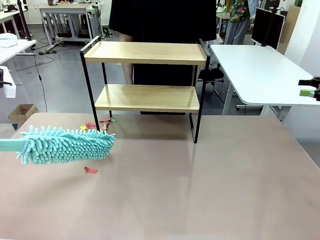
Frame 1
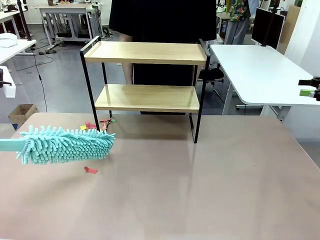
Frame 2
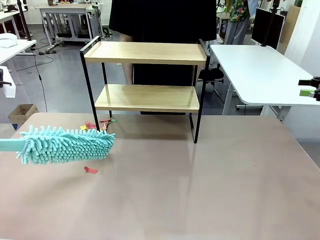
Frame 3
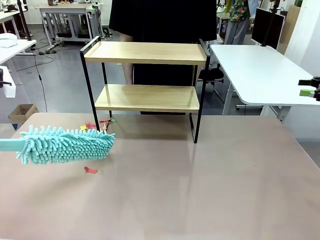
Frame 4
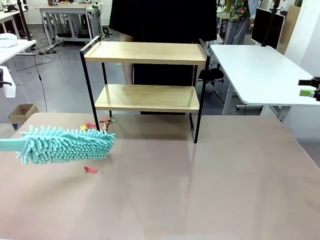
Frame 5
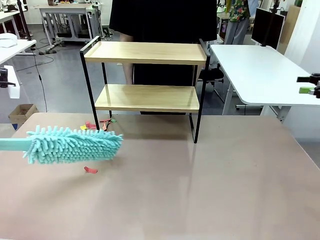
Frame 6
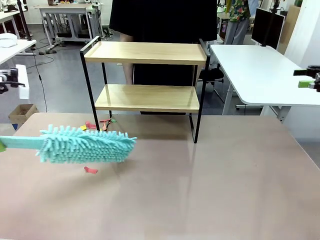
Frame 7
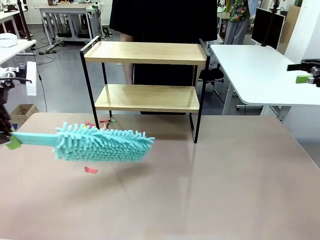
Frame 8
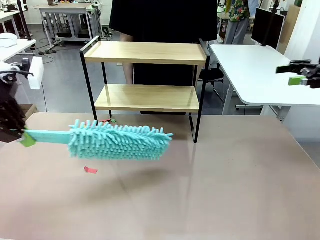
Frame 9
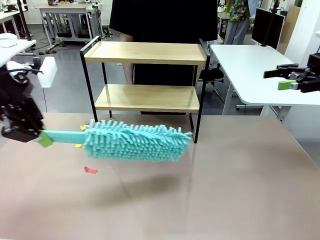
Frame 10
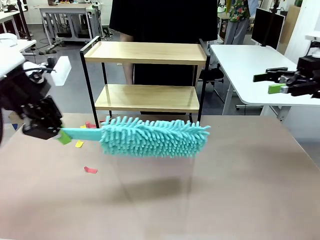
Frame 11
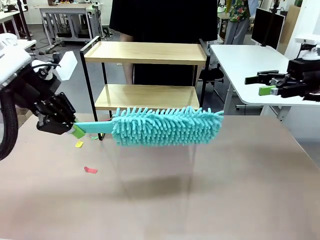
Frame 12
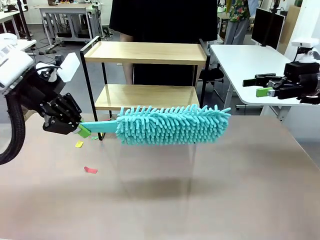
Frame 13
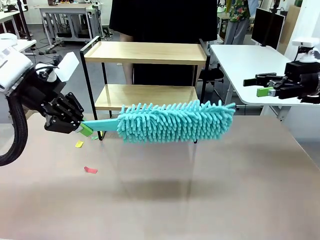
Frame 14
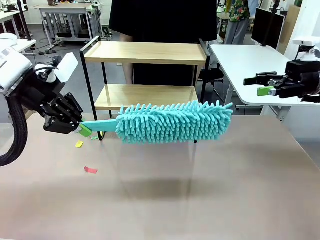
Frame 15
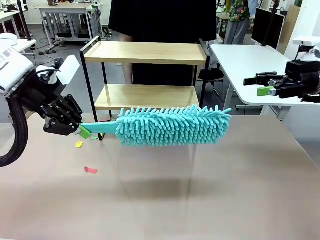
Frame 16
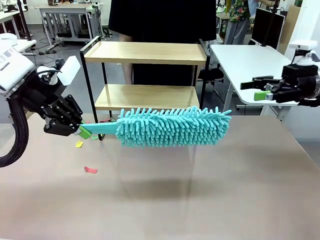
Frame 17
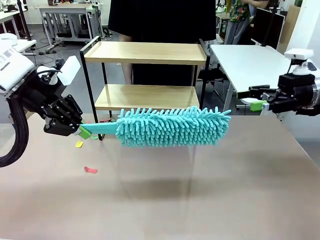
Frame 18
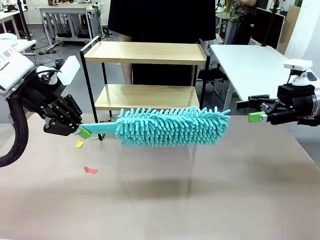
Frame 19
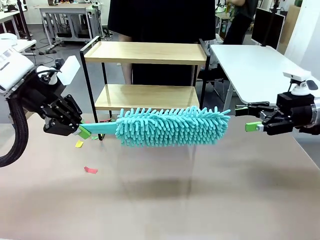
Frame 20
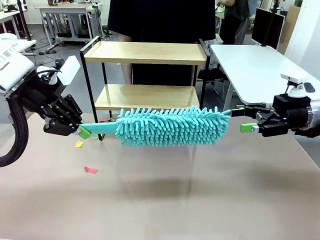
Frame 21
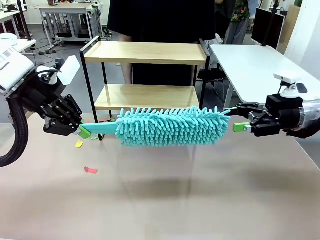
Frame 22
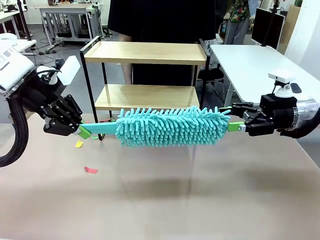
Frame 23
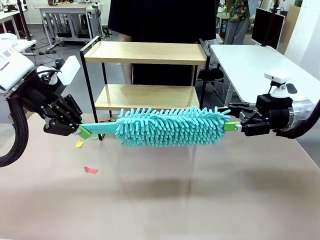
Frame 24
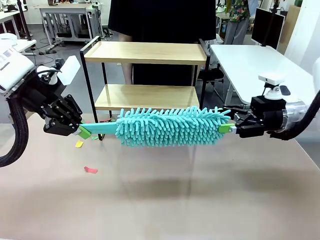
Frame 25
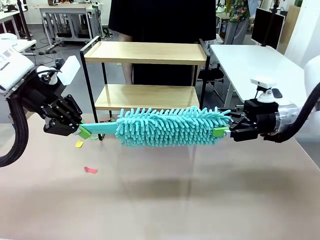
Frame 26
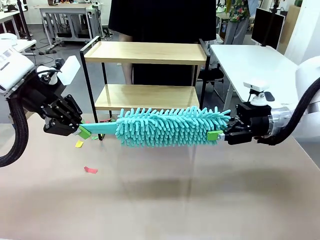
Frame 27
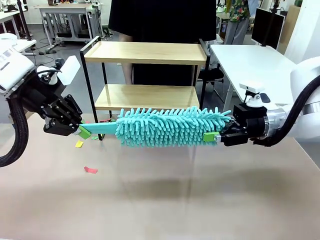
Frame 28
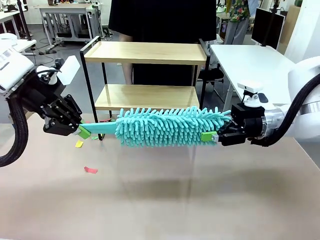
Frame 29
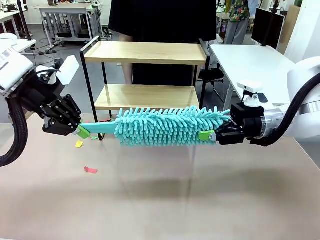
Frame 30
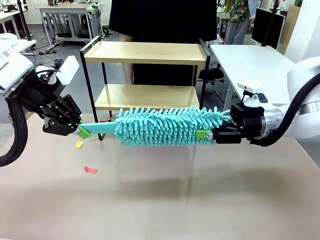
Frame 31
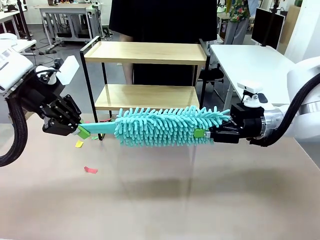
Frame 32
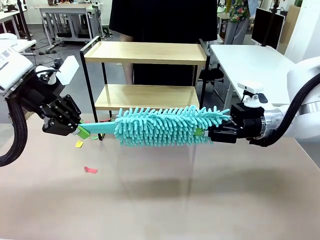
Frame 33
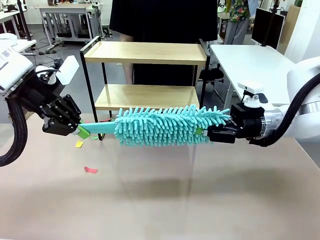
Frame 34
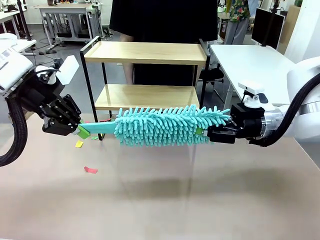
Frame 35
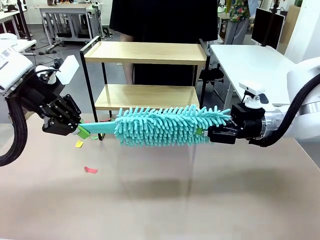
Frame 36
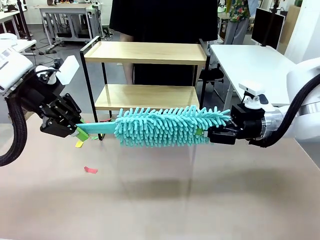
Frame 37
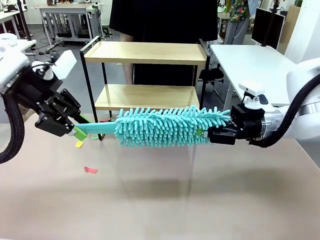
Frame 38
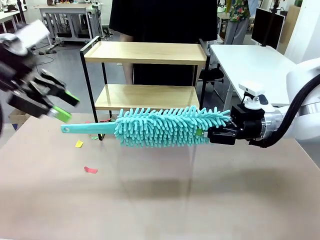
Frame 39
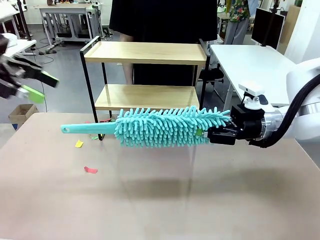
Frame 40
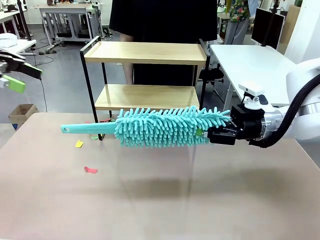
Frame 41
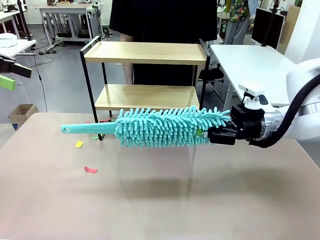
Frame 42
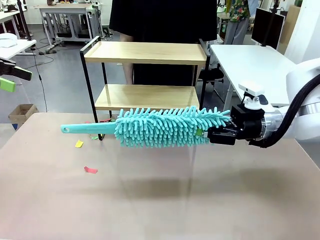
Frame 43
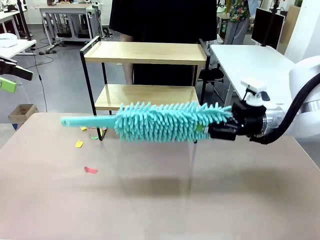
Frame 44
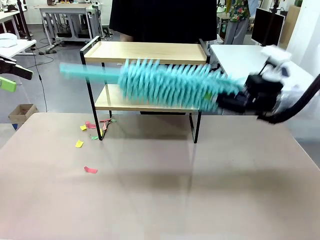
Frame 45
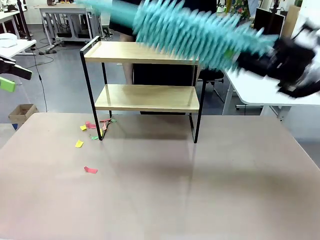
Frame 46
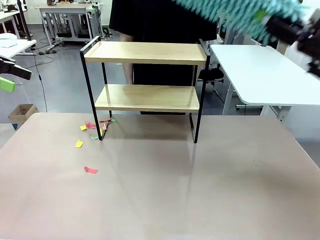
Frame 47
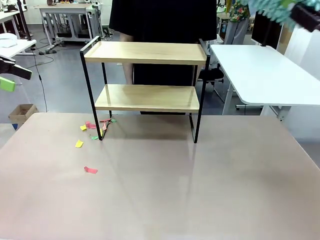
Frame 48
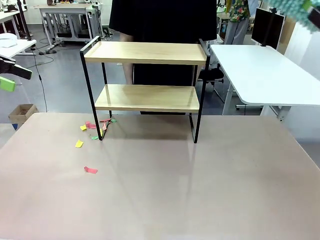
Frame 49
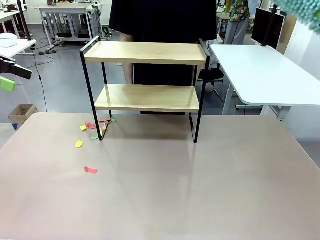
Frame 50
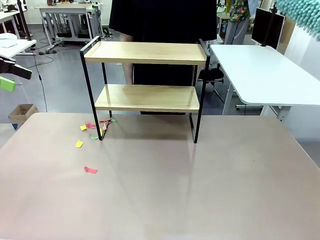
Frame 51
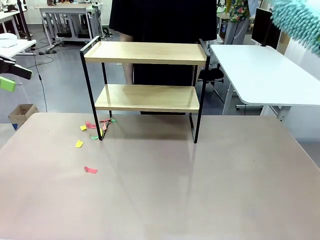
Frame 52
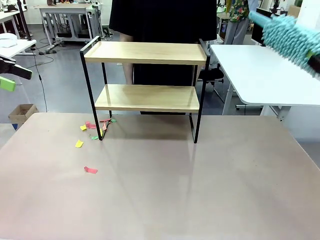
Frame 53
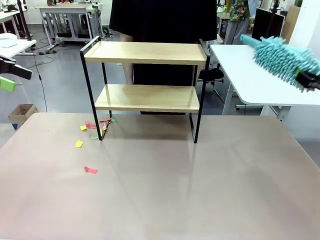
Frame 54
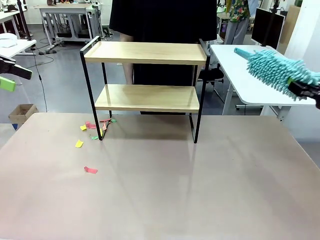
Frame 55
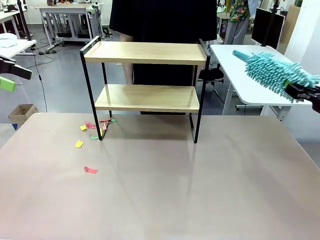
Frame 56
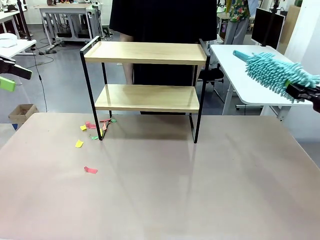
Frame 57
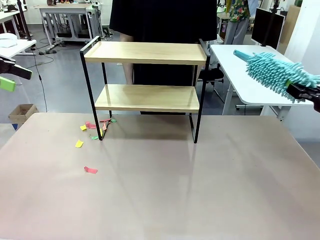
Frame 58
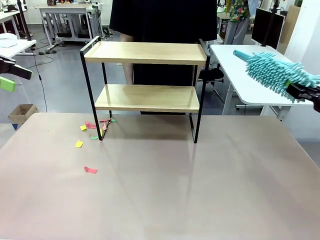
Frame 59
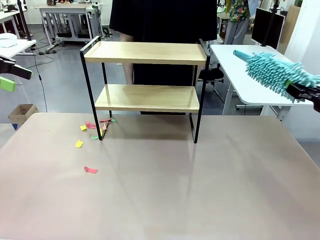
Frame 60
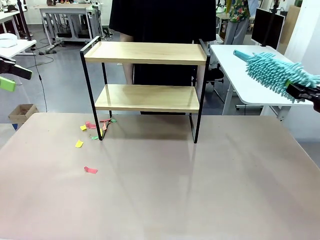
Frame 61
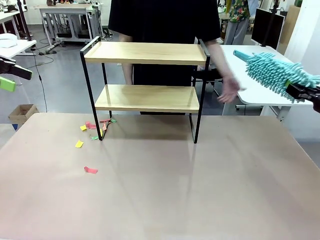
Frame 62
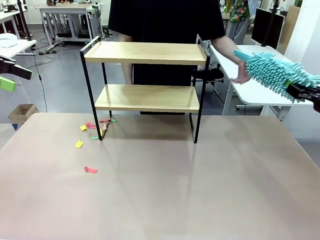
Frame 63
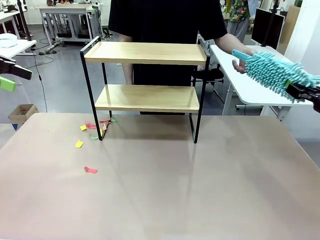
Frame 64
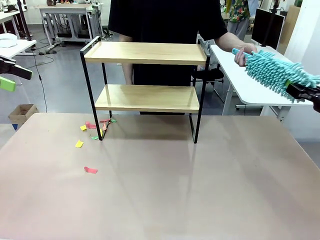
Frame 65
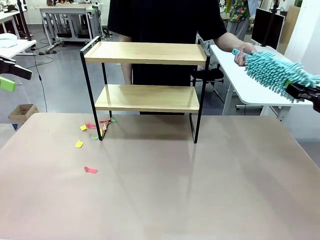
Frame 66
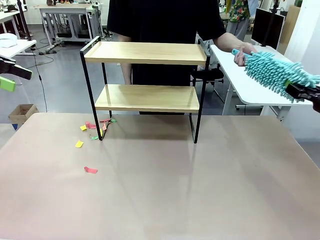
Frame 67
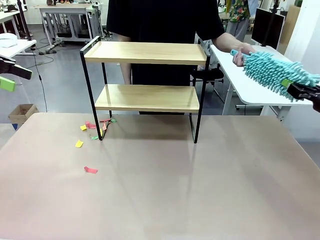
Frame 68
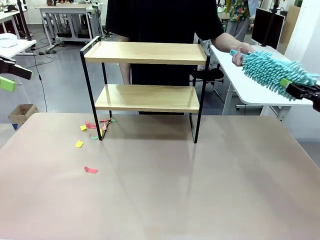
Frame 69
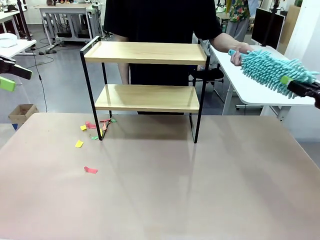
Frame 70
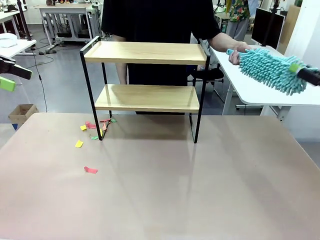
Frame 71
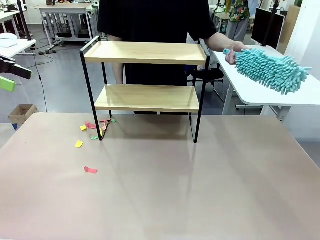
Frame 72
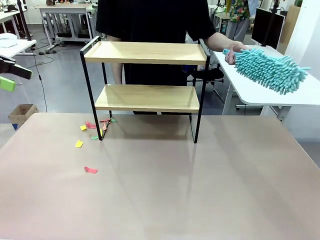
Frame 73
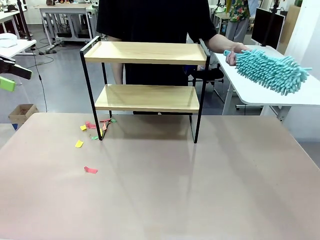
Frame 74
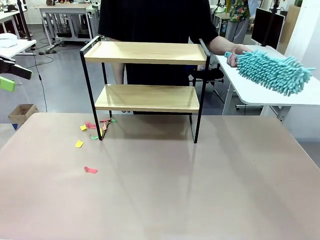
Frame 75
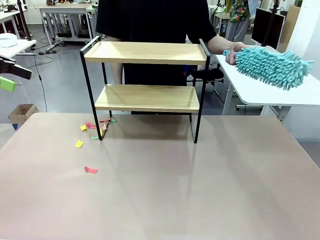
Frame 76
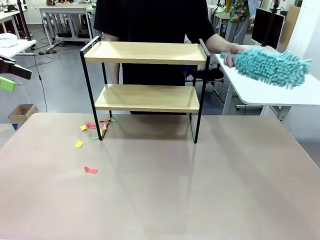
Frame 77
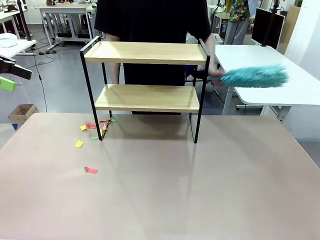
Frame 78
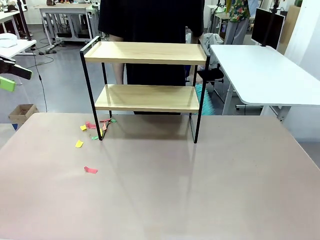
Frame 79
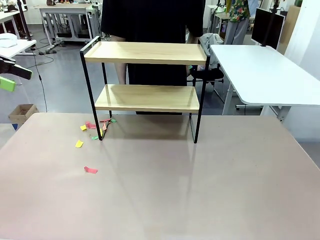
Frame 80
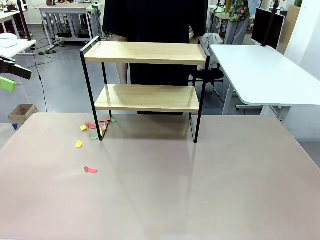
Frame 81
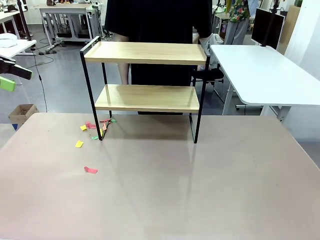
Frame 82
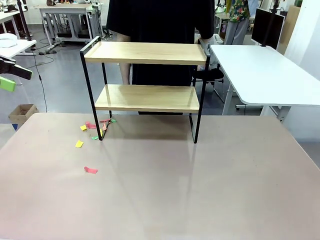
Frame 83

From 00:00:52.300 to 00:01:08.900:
Task: Clean the shelf.
Robot: Hand the Duster back to the human.
Person: Receive the Duster from the robot.

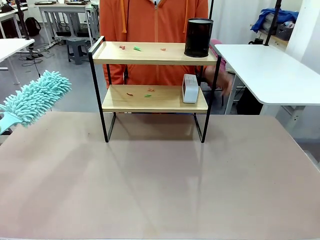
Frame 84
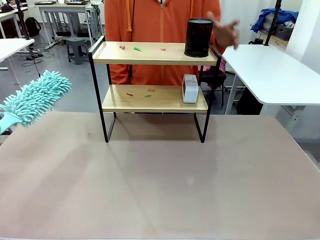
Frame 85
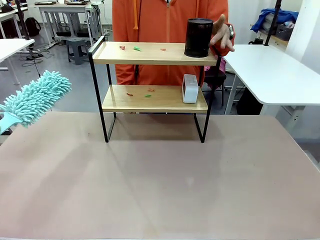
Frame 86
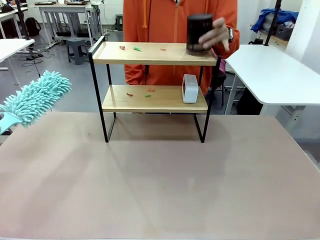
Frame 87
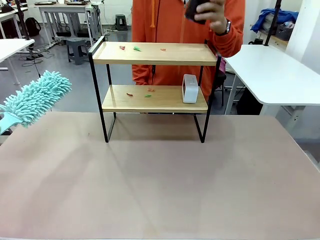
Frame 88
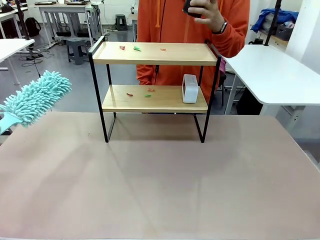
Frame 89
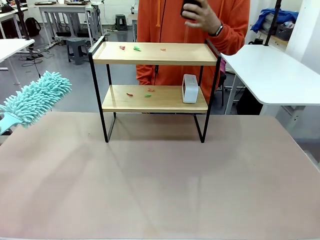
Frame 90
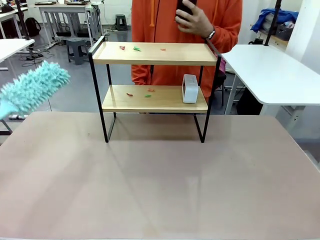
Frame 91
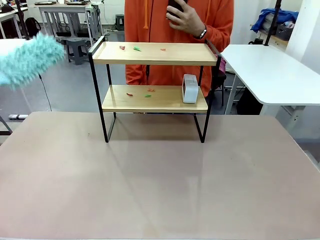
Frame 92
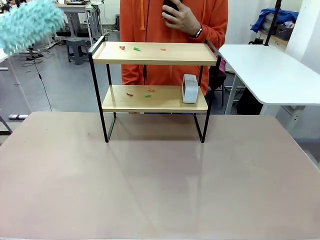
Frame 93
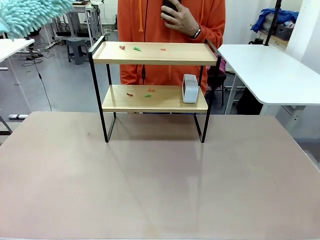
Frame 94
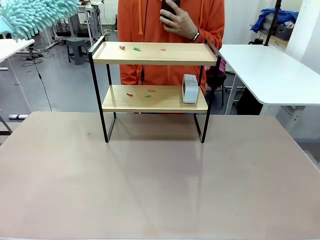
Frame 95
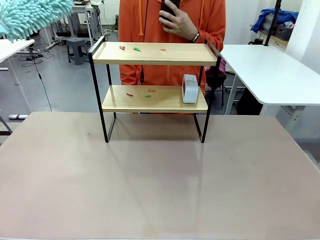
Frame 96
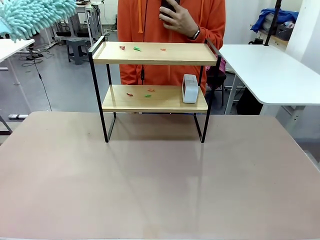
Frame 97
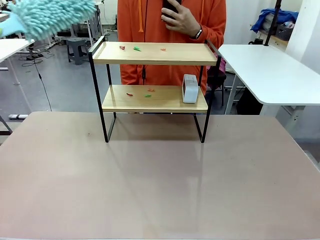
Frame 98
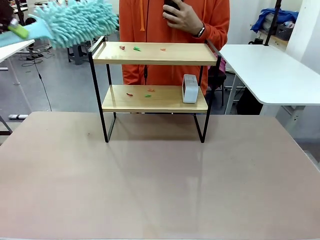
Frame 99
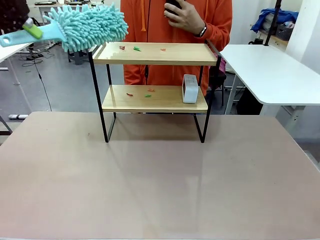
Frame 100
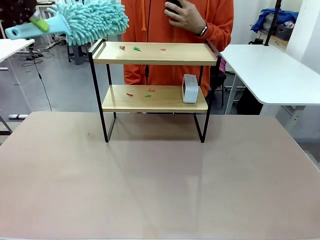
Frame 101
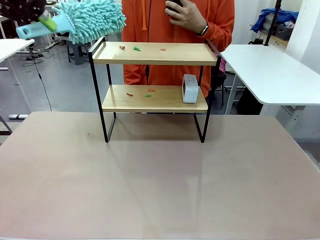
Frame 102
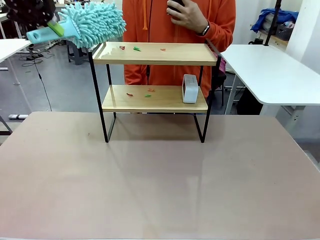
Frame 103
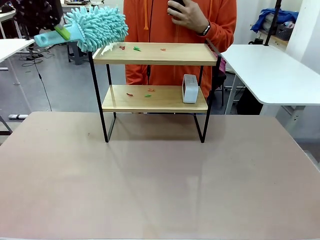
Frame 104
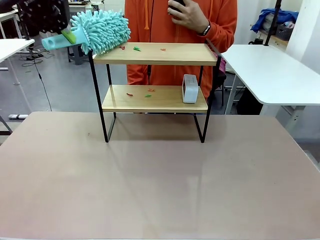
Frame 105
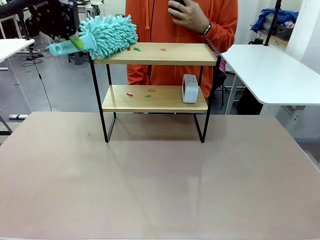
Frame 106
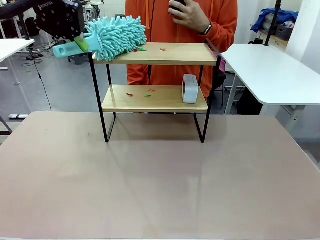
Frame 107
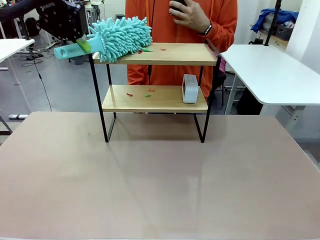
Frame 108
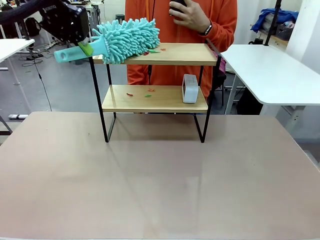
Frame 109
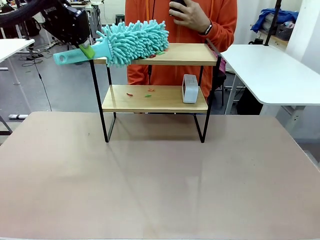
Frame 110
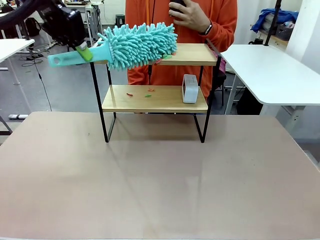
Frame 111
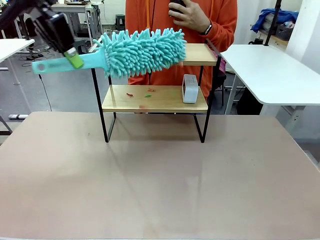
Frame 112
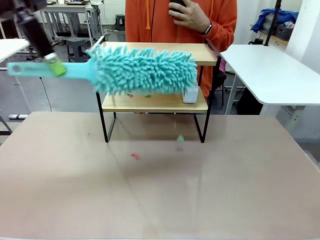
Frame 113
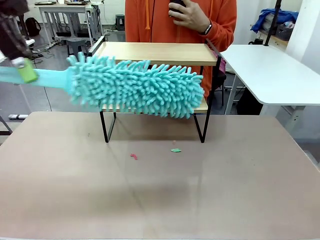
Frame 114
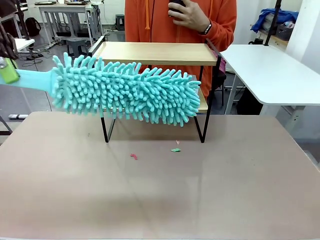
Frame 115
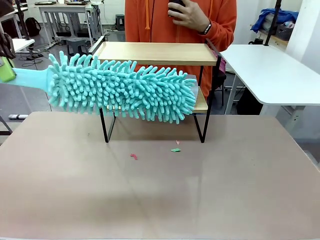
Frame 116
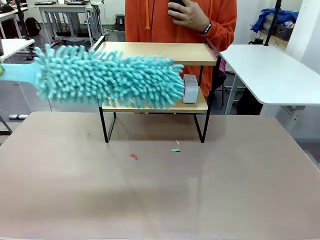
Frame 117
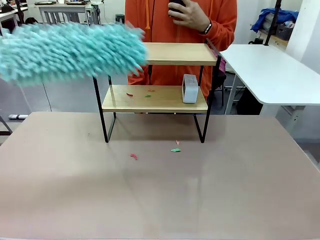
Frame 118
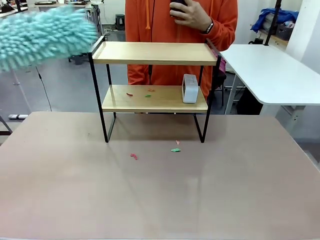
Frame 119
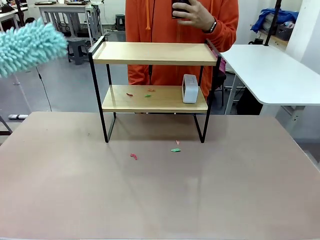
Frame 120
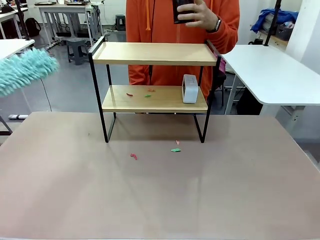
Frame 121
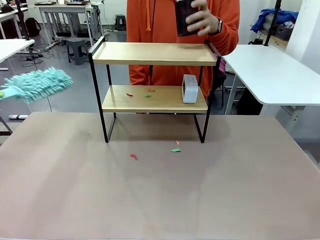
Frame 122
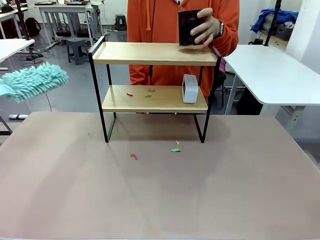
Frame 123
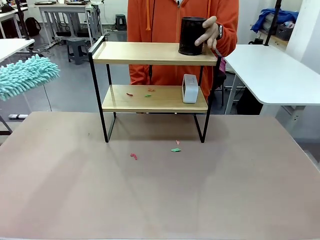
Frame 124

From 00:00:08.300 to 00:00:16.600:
Task: Clean the shelf.
Robot: Clean the specific tier of the Shelf with the Duster once objects are removed.
Person: Lift the objects on a randomly selected tier of the Shelf. Once the robot finishes cleaning, lift the objects on the remaining tiers of the Shelf.
